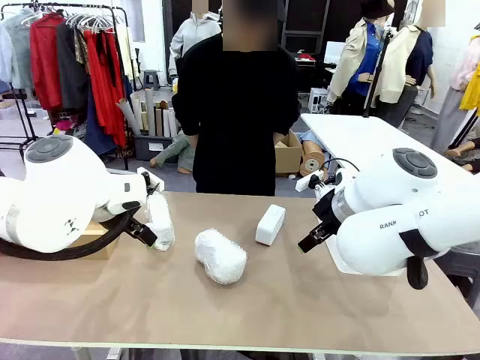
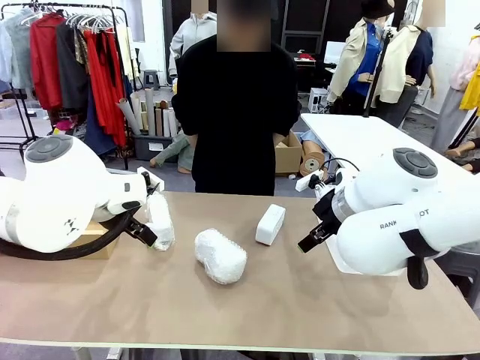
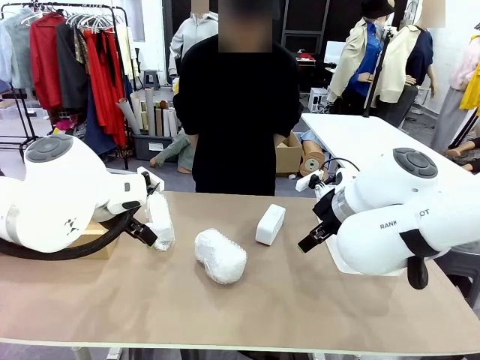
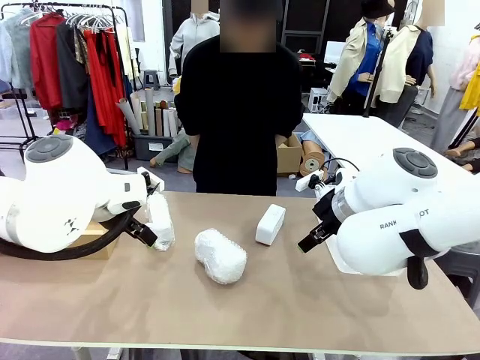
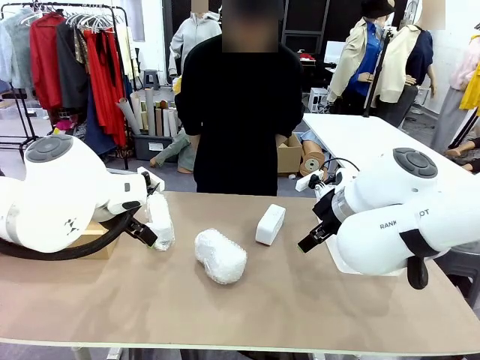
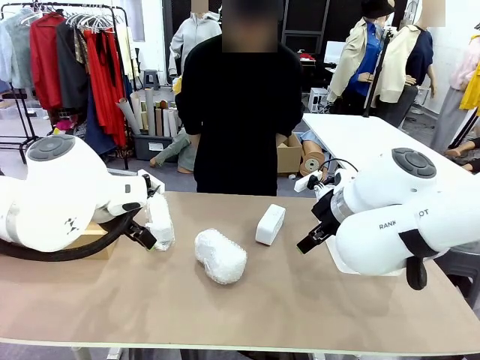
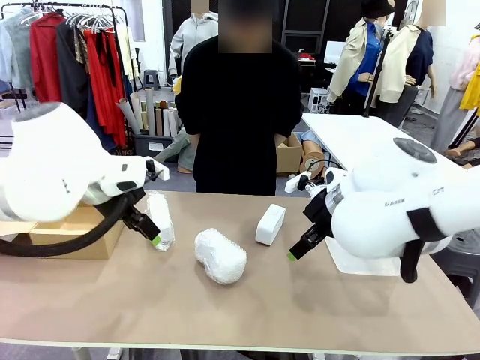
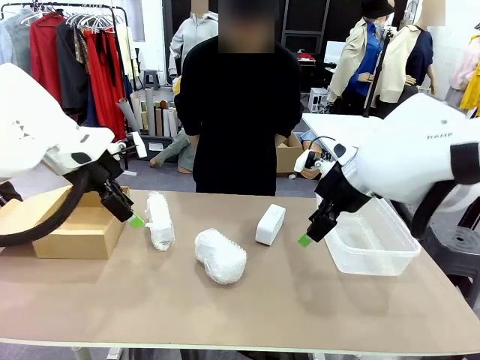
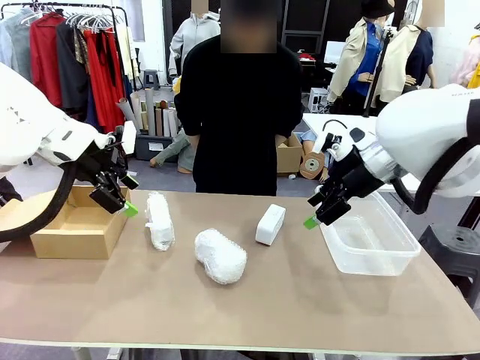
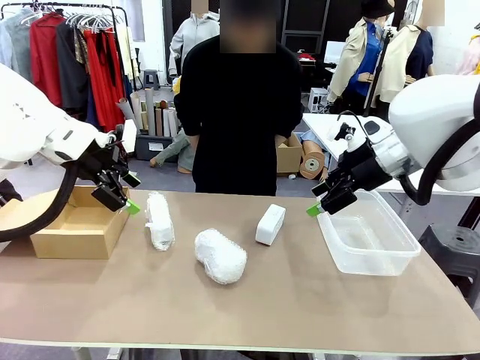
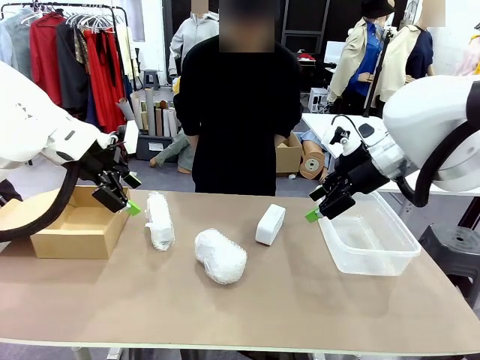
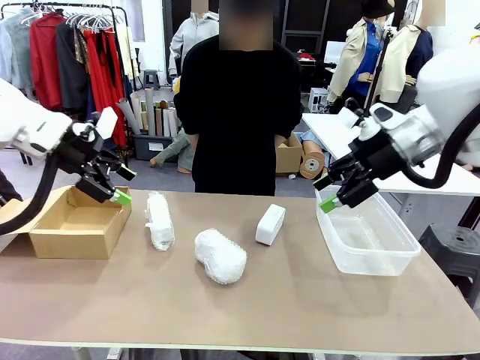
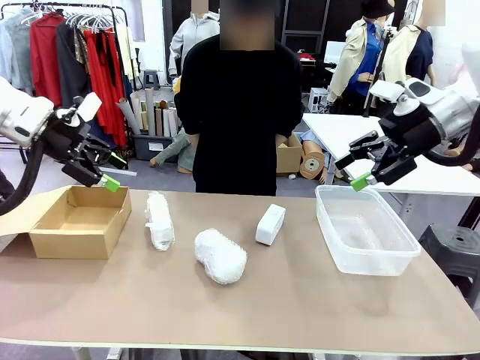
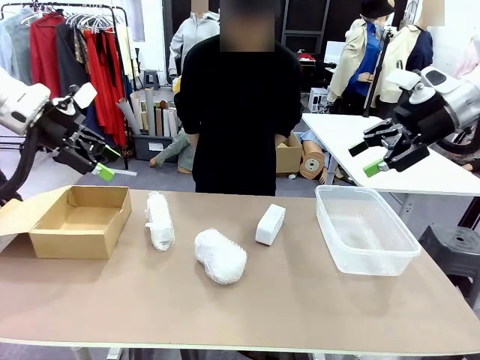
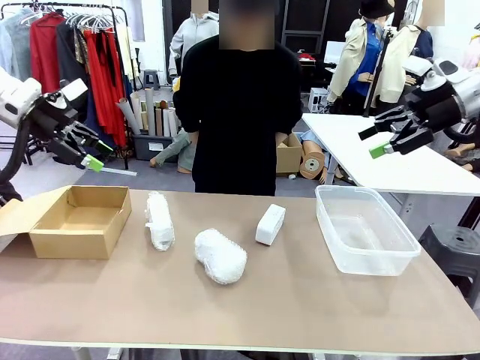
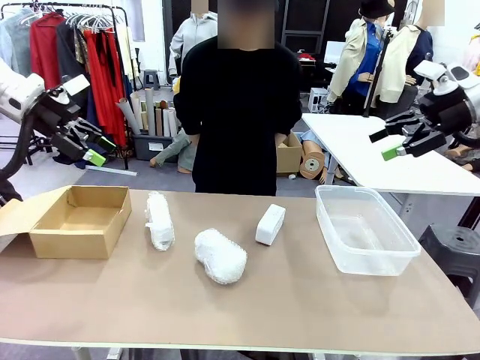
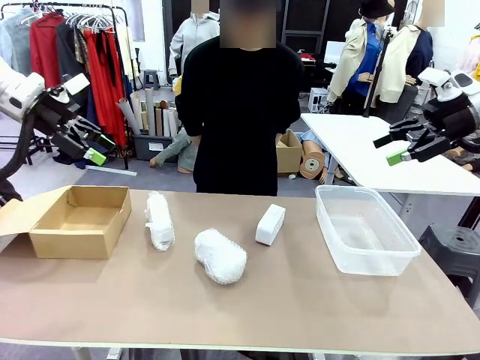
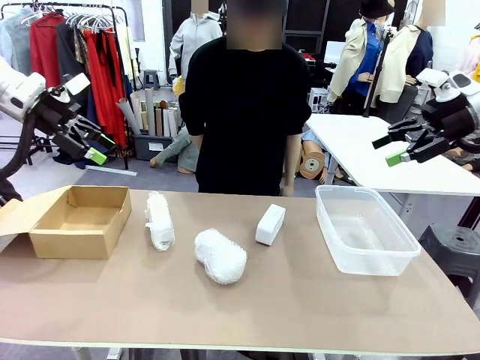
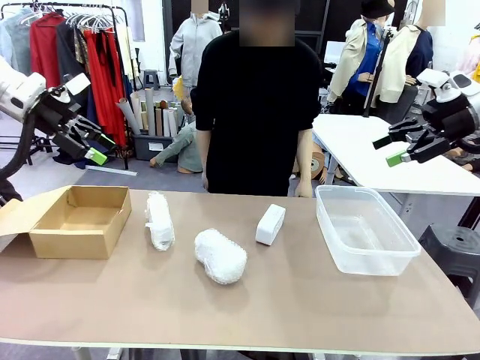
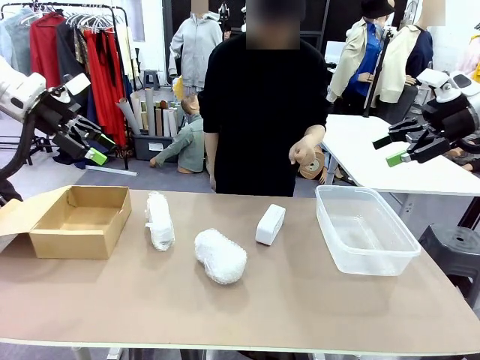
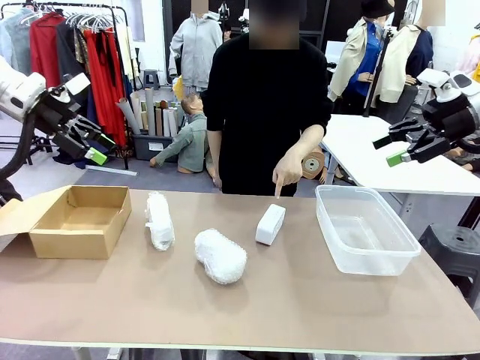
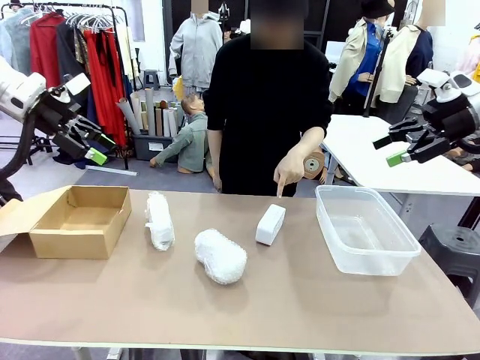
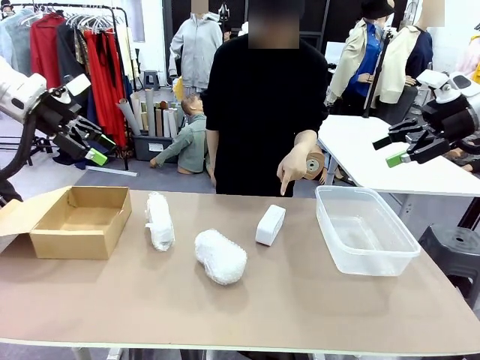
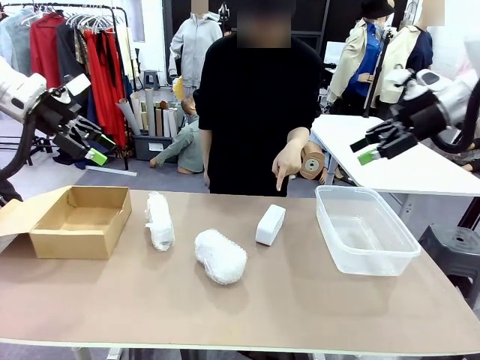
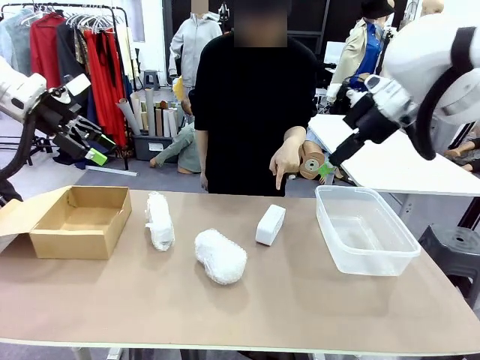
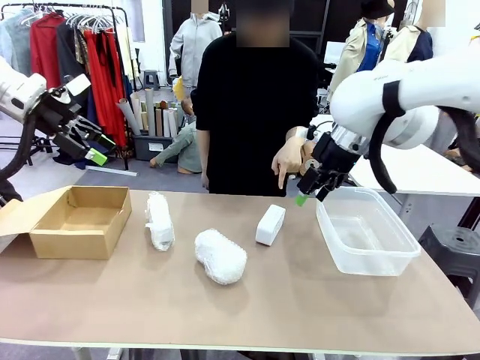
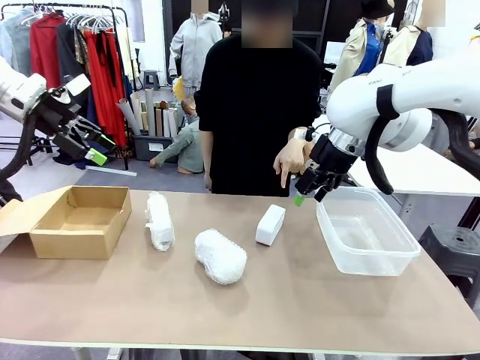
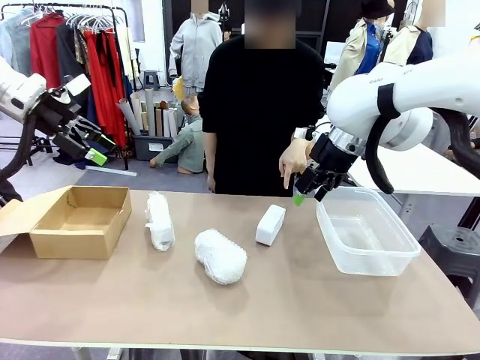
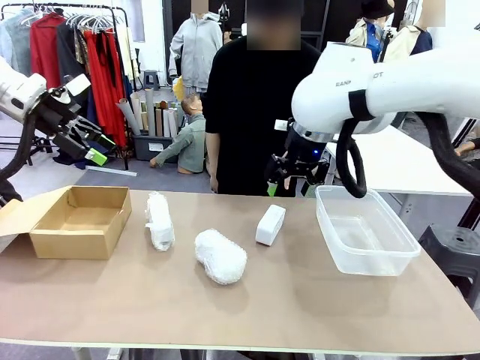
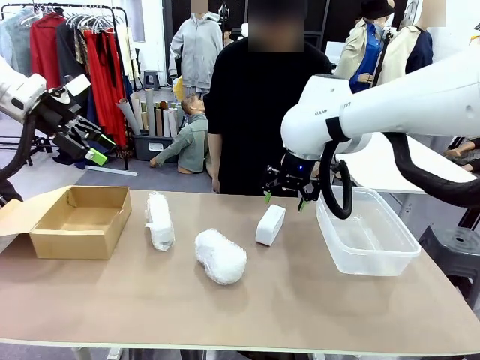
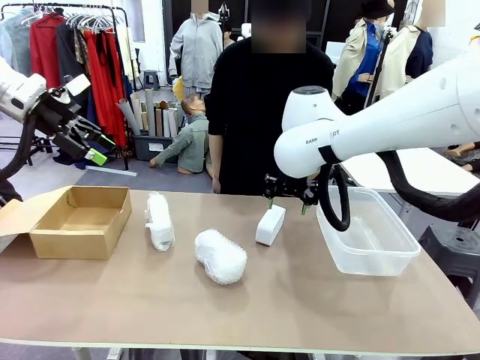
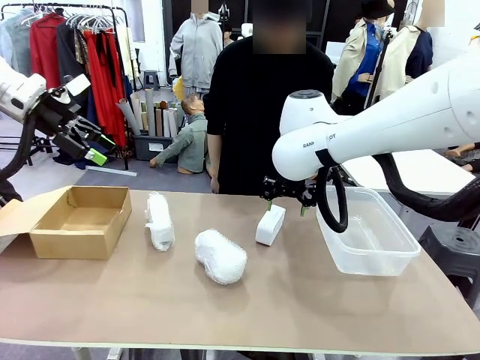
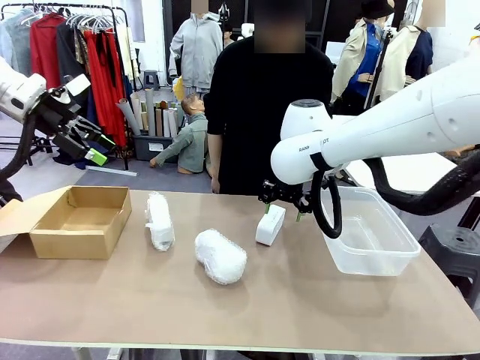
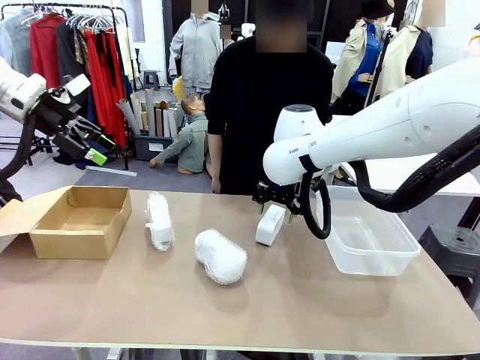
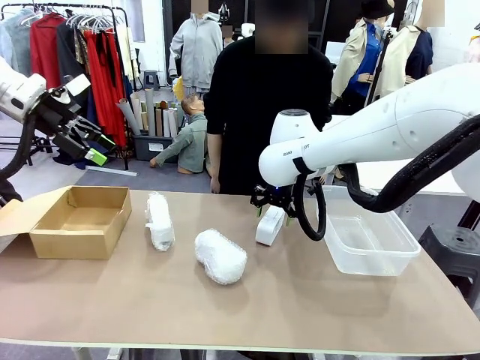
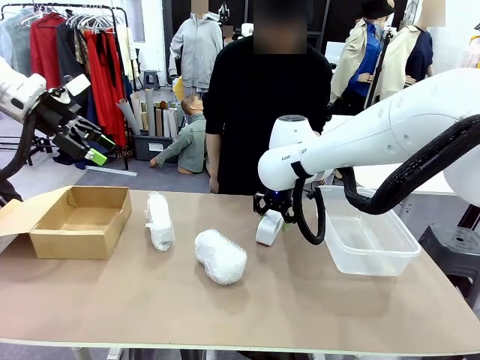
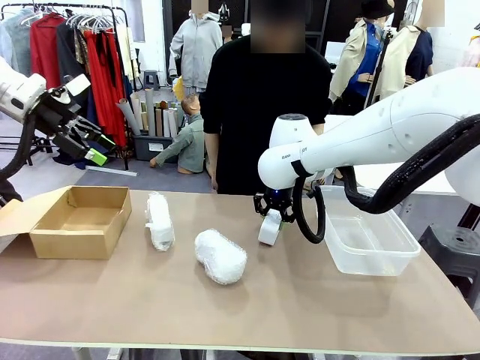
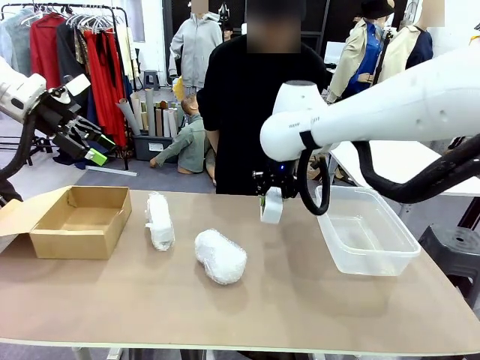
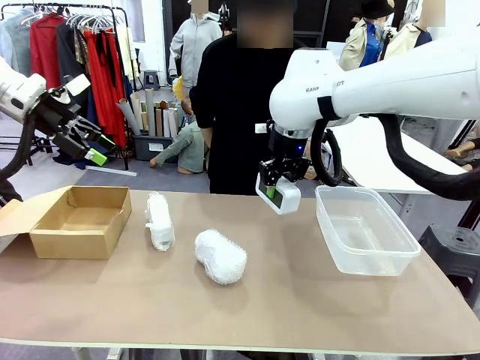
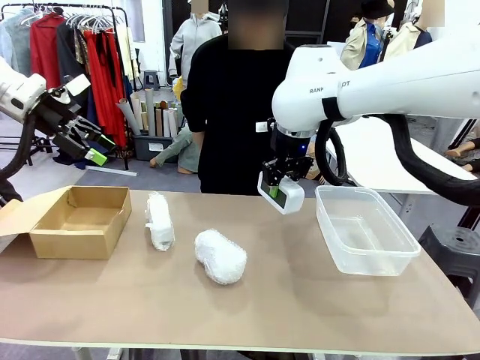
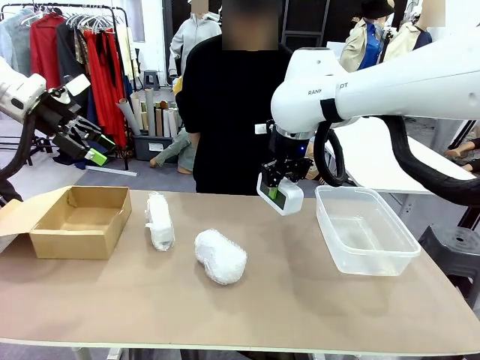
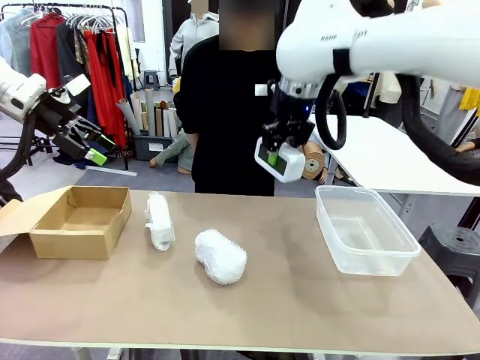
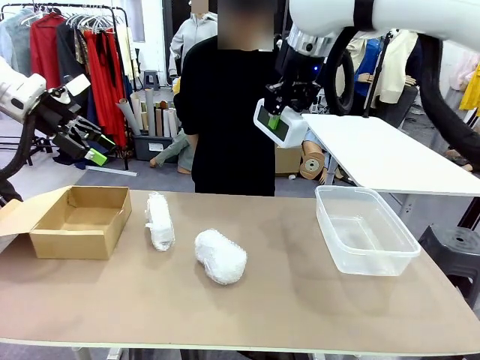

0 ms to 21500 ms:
Task: Separate and place wrapped and unwrapped clocks.
Robot: Pick up the Digital clock indicated by the person.

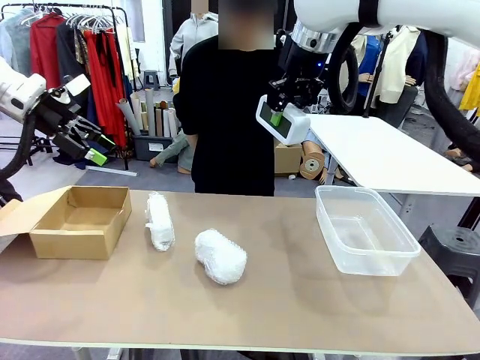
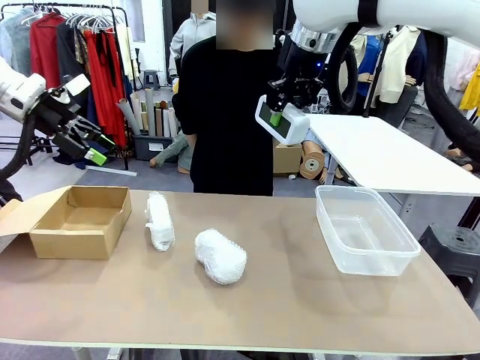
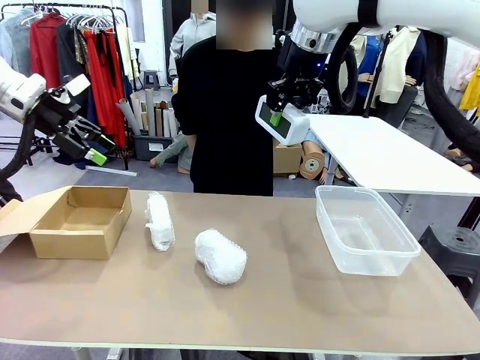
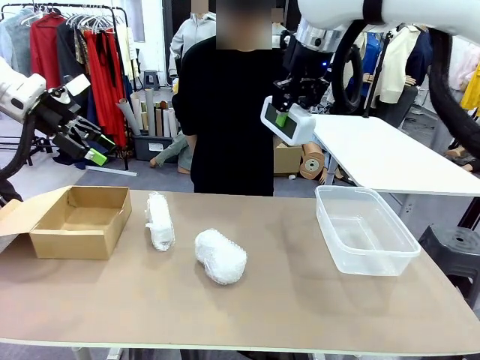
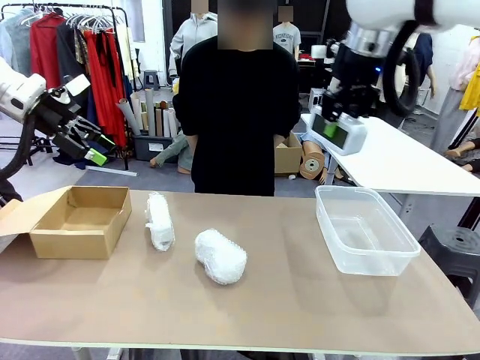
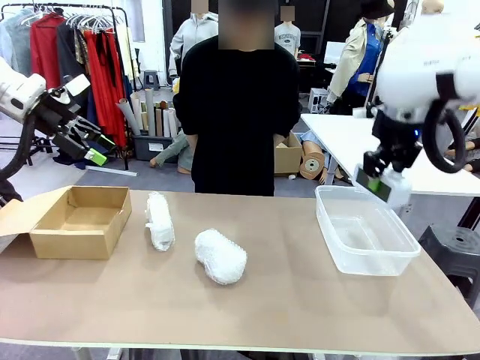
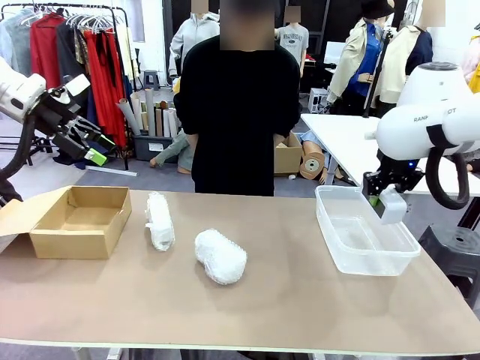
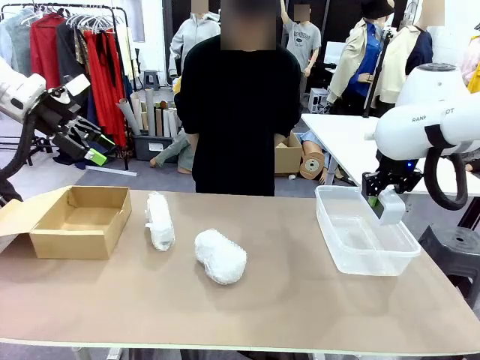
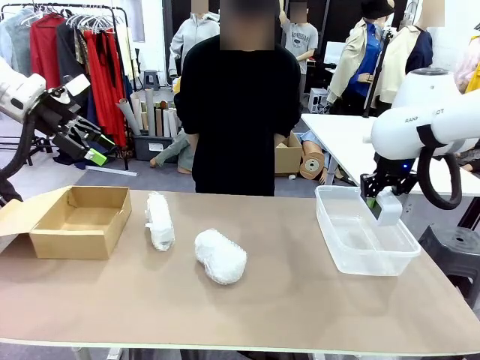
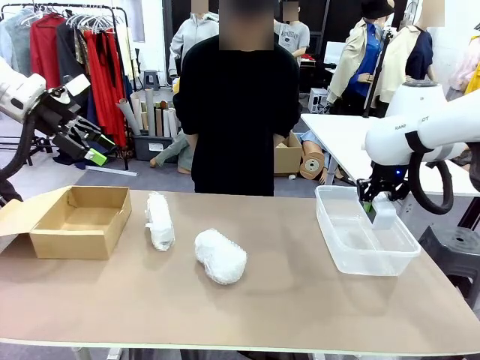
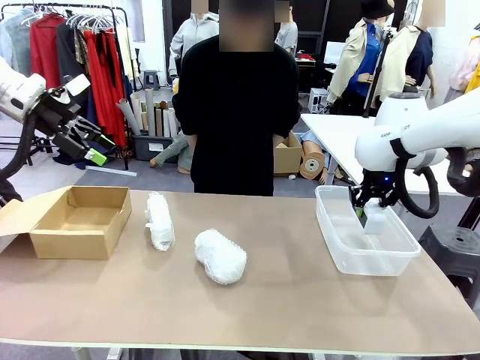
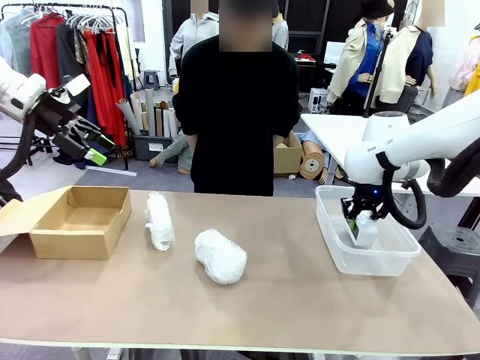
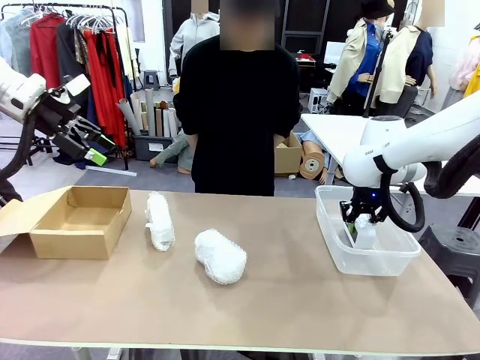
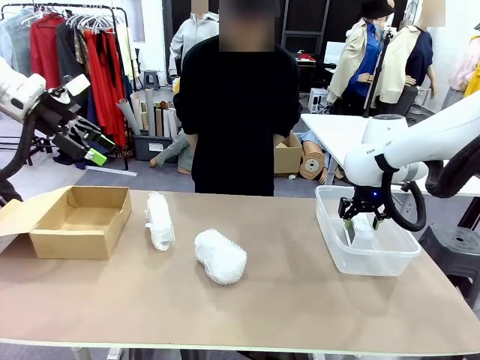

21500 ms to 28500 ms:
Robot: If the picked Digital clock is wrapped, place it in the Package Box ; if not, place it in the Organizing box.
